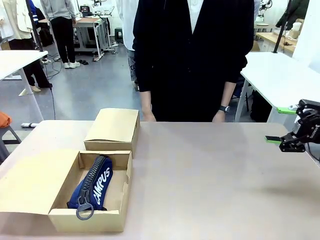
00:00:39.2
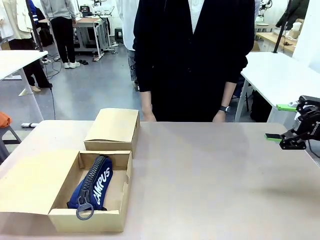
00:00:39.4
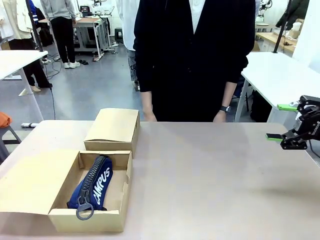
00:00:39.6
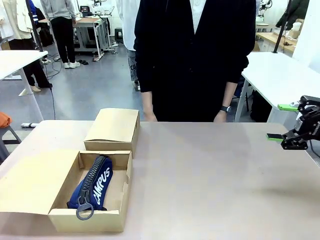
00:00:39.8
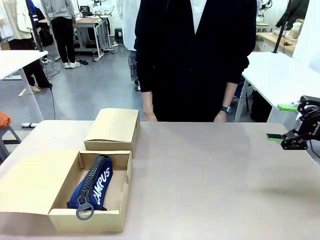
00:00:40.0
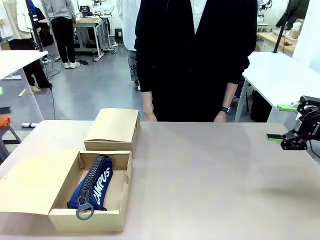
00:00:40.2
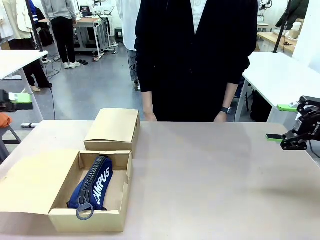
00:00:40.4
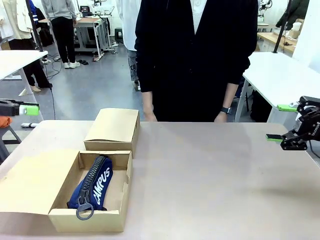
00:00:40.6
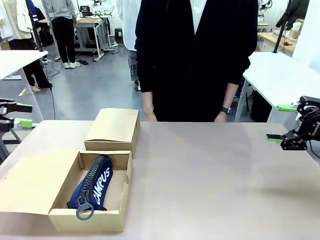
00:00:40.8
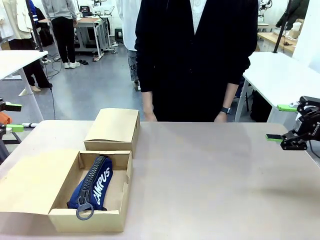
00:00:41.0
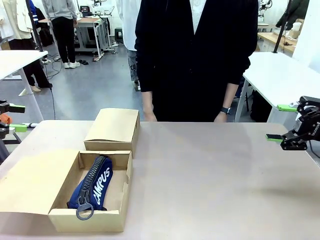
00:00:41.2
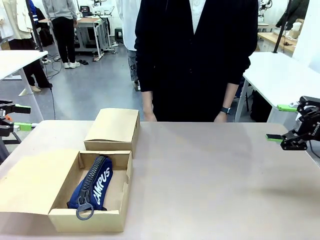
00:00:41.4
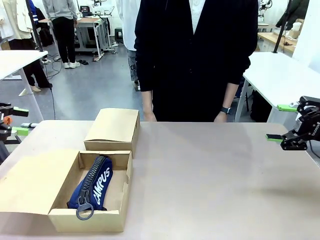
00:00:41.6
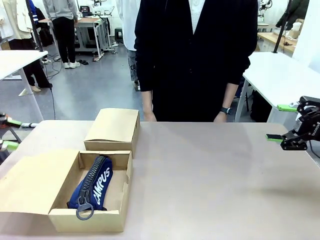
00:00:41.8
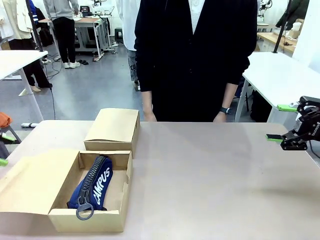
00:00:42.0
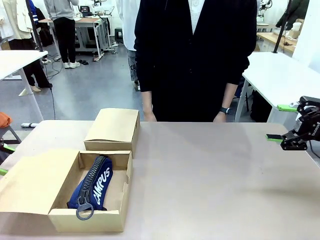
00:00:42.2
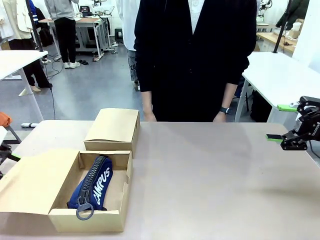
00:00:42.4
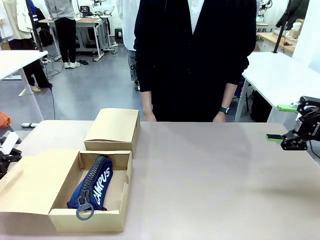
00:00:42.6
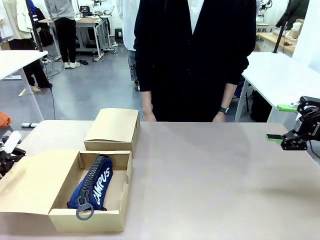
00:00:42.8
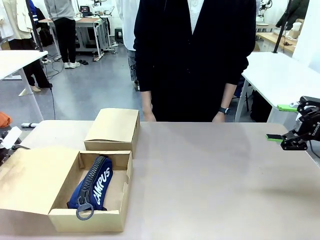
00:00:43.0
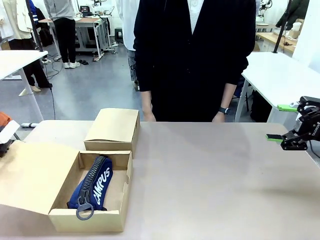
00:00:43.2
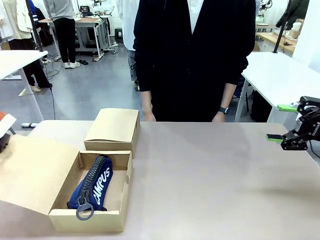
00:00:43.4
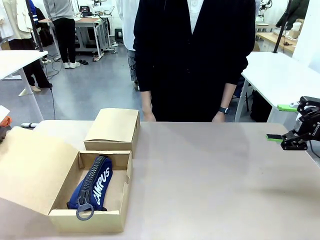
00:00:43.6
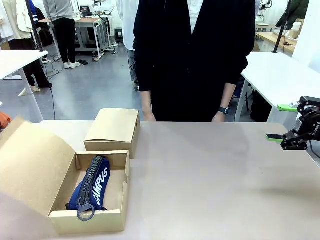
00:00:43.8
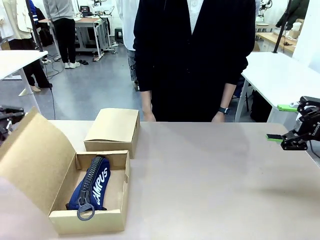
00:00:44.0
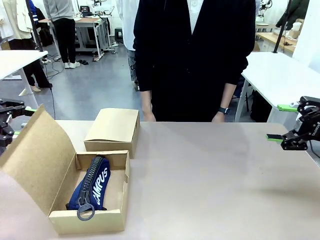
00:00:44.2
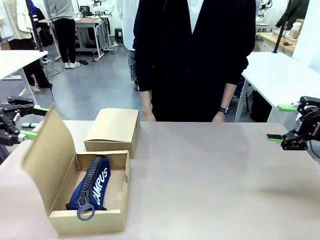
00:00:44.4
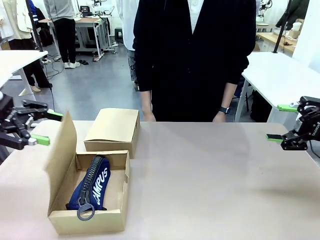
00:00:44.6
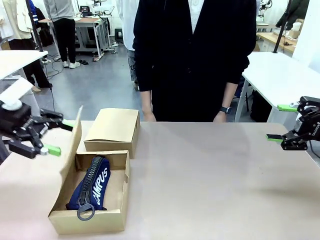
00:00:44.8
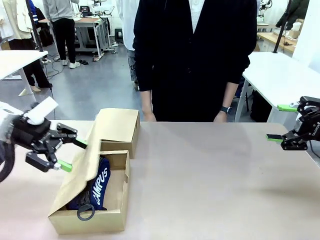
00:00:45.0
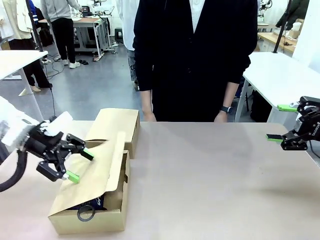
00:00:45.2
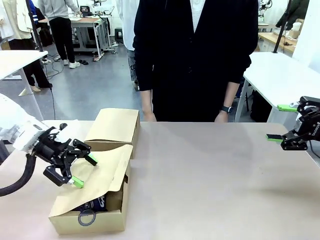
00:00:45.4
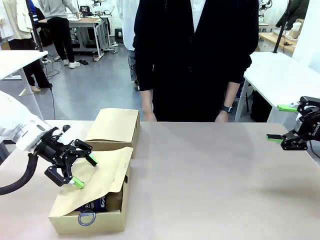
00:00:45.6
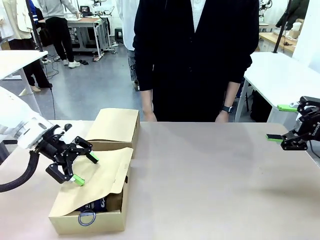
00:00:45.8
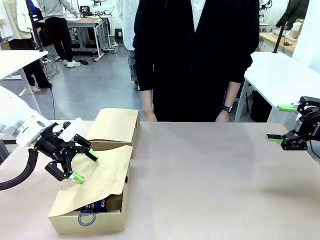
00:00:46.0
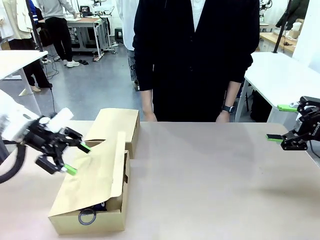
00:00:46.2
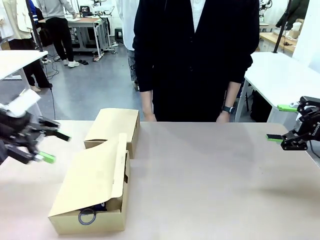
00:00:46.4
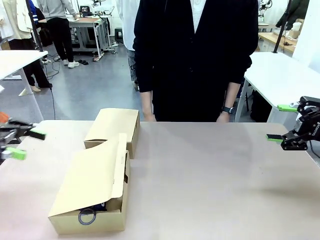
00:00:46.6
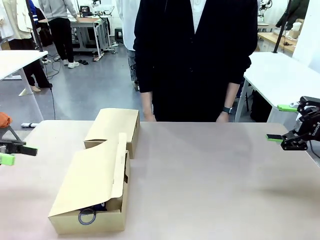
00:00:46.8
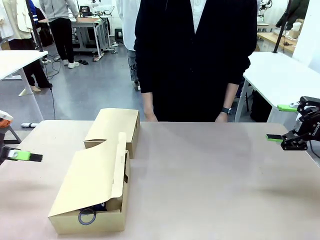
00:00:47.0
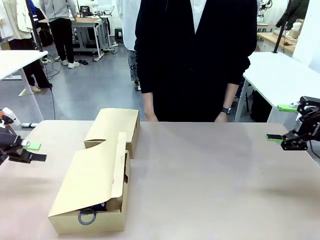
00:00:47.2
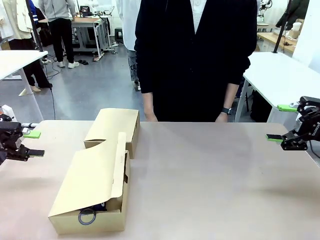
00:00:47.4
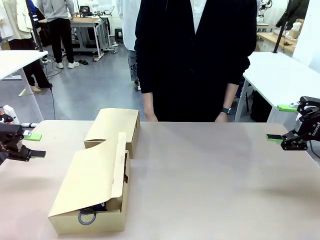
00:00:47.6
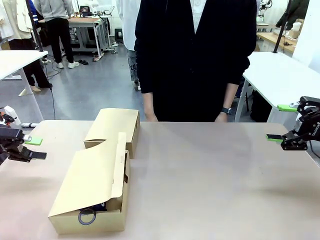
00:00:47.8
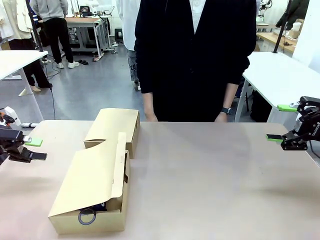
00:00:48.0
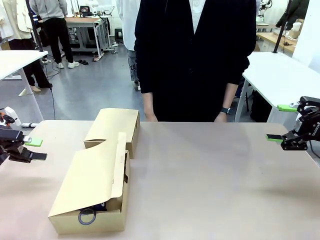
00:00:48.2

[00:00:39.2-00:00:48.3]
Task: Place items inside the box.
Robot: Close the lid of the Mailer Box closest to the robot.

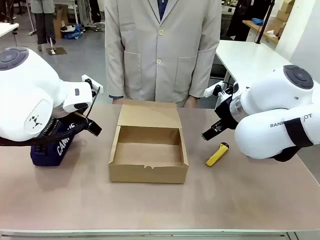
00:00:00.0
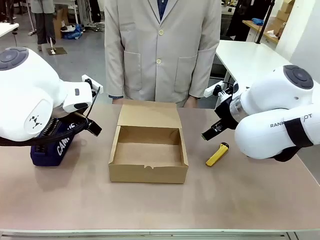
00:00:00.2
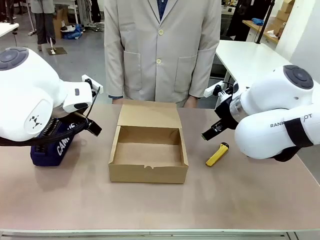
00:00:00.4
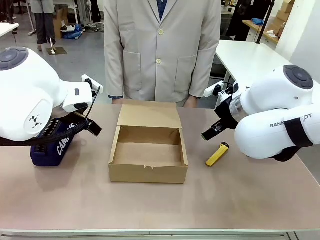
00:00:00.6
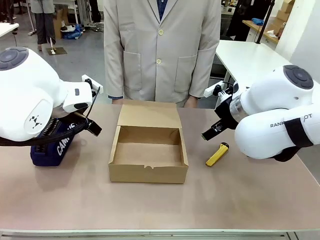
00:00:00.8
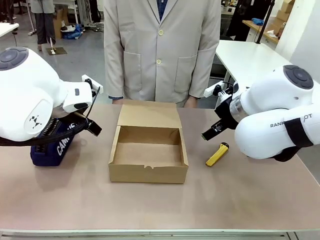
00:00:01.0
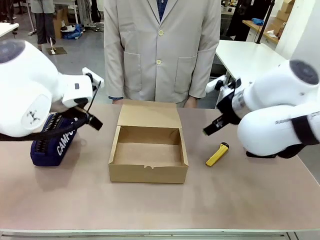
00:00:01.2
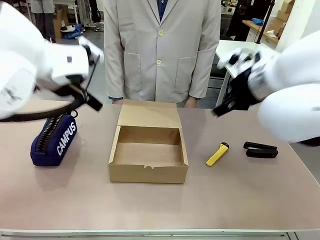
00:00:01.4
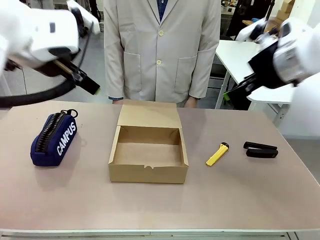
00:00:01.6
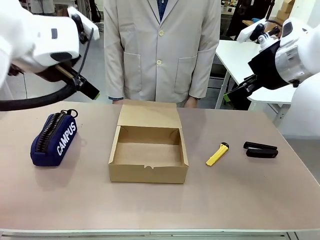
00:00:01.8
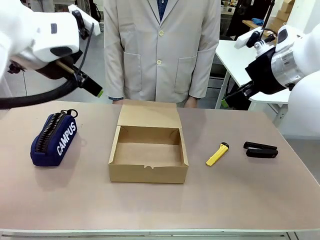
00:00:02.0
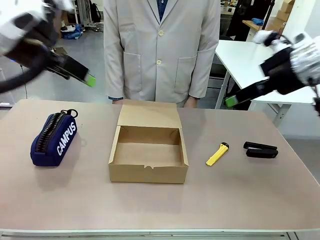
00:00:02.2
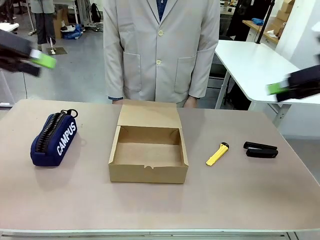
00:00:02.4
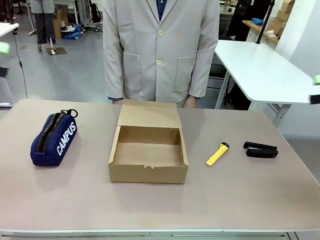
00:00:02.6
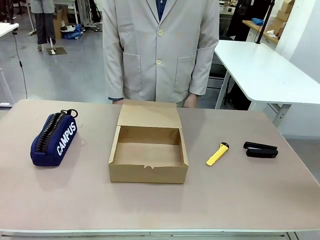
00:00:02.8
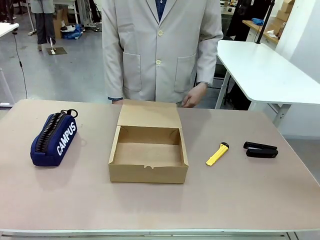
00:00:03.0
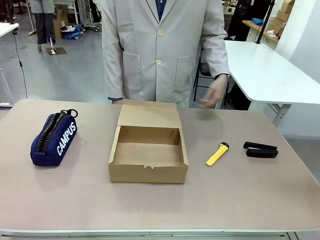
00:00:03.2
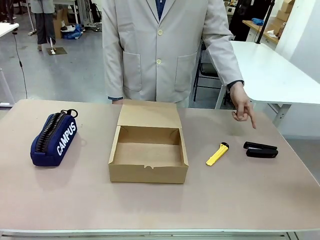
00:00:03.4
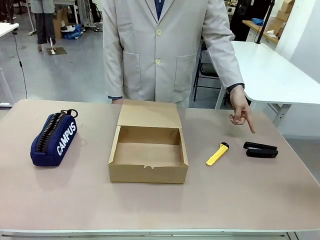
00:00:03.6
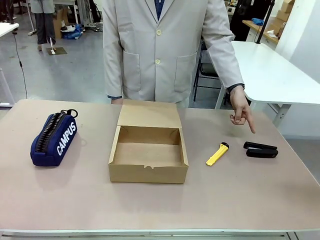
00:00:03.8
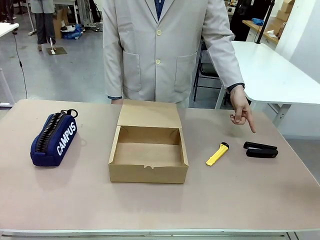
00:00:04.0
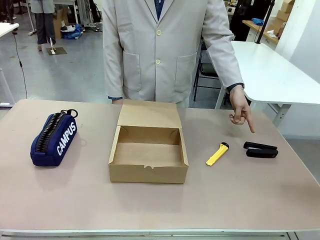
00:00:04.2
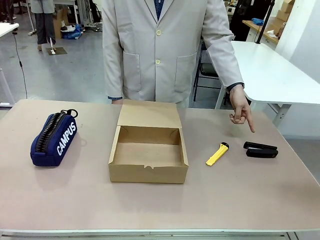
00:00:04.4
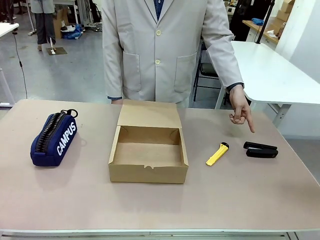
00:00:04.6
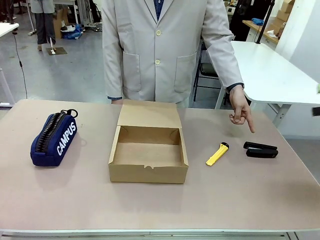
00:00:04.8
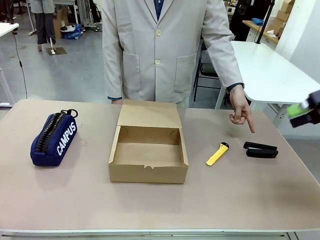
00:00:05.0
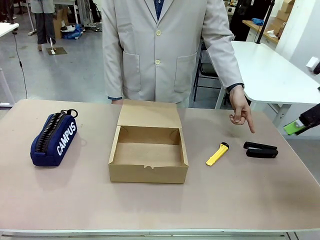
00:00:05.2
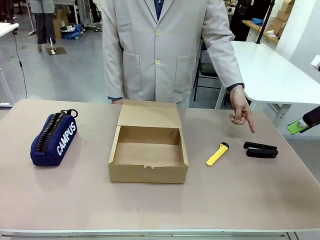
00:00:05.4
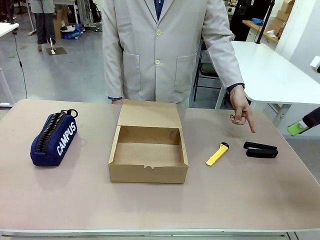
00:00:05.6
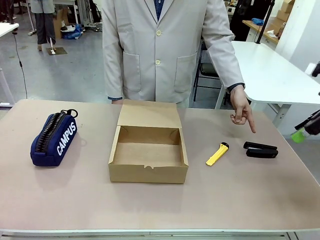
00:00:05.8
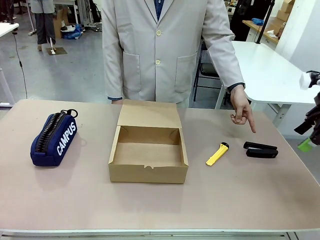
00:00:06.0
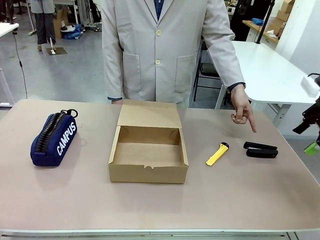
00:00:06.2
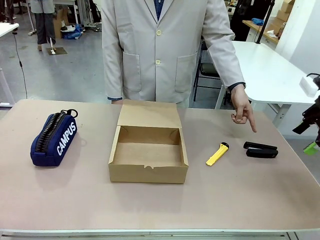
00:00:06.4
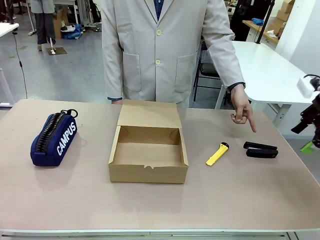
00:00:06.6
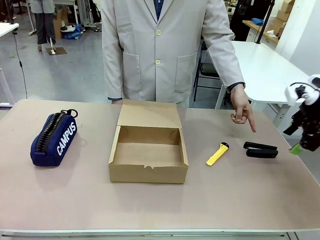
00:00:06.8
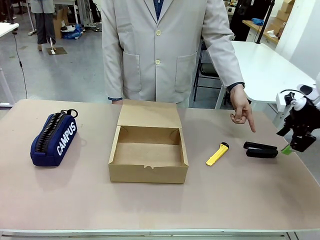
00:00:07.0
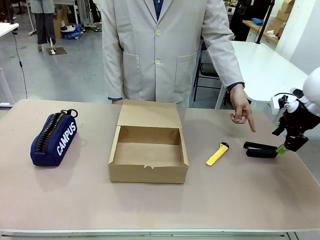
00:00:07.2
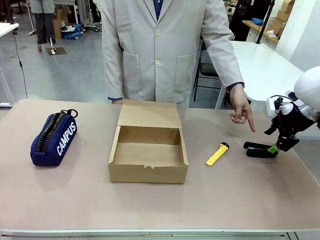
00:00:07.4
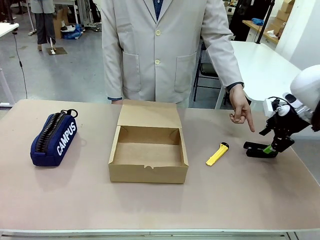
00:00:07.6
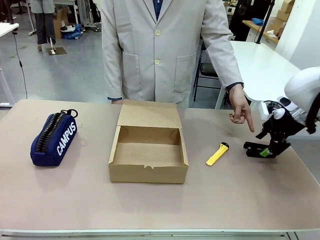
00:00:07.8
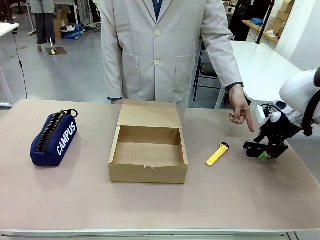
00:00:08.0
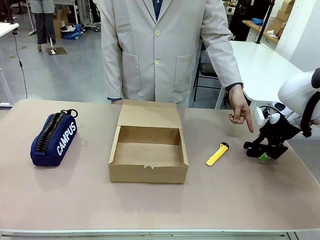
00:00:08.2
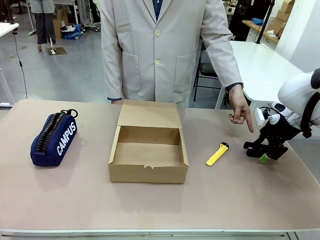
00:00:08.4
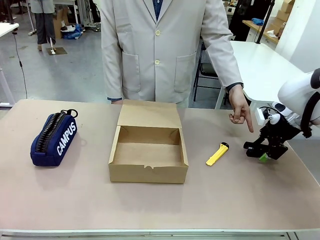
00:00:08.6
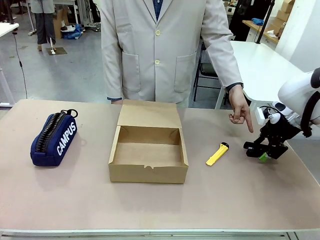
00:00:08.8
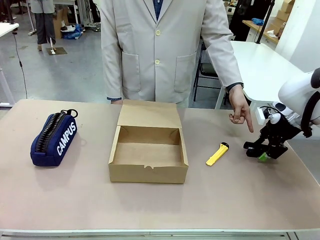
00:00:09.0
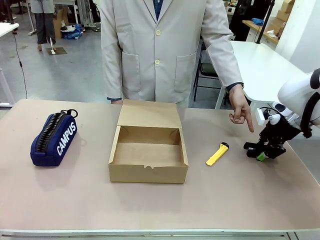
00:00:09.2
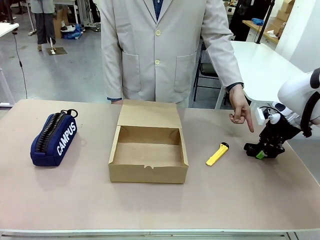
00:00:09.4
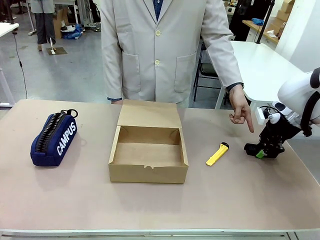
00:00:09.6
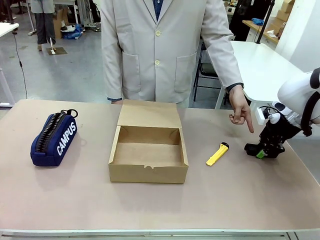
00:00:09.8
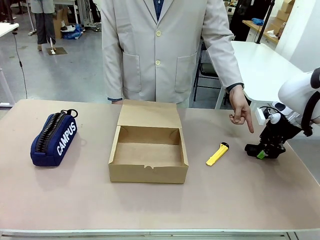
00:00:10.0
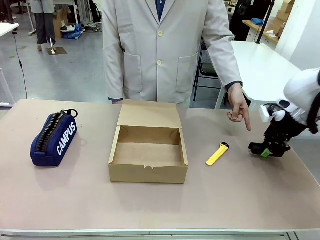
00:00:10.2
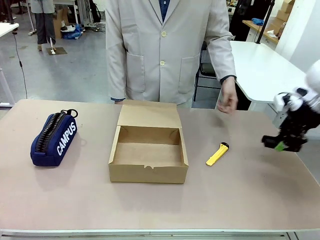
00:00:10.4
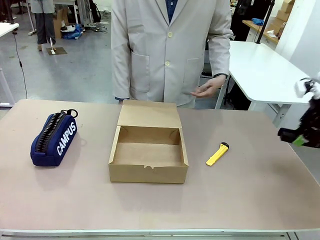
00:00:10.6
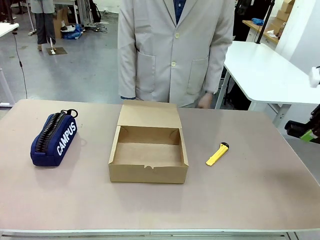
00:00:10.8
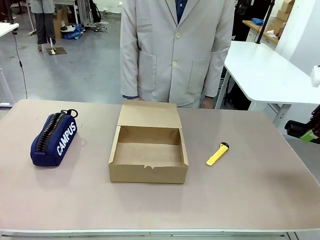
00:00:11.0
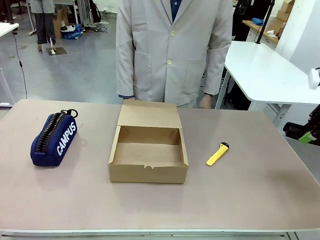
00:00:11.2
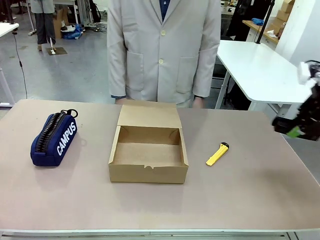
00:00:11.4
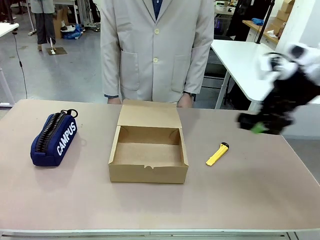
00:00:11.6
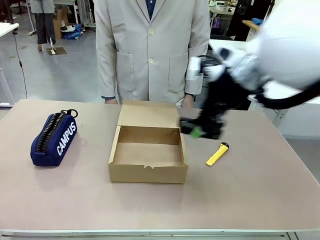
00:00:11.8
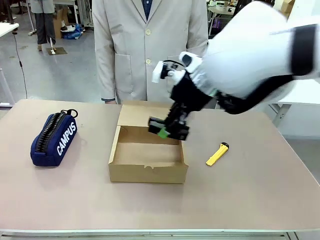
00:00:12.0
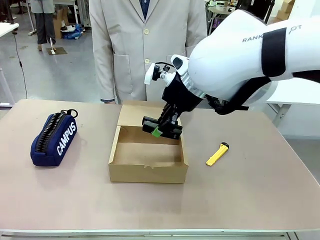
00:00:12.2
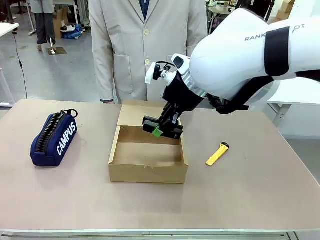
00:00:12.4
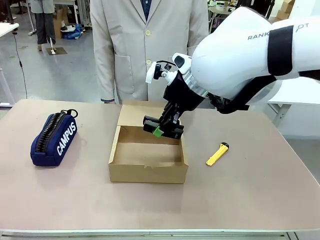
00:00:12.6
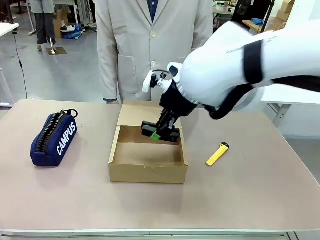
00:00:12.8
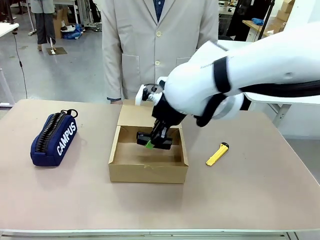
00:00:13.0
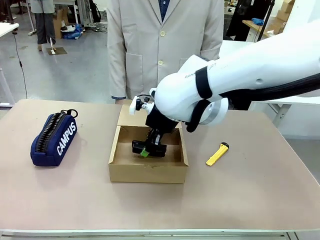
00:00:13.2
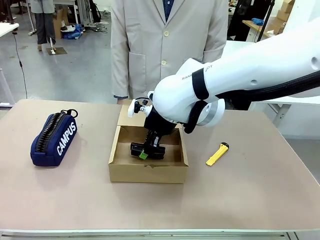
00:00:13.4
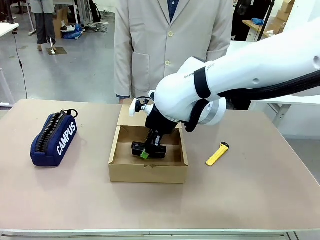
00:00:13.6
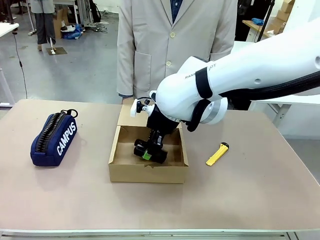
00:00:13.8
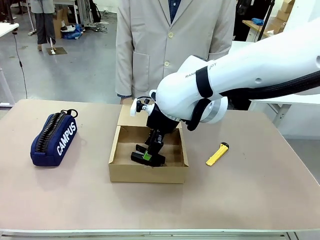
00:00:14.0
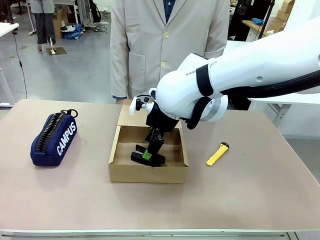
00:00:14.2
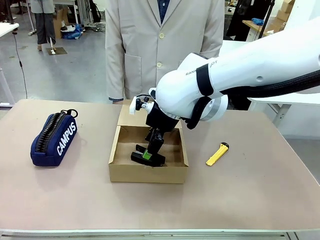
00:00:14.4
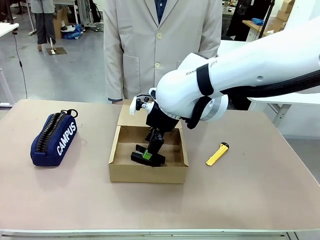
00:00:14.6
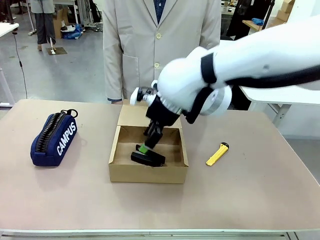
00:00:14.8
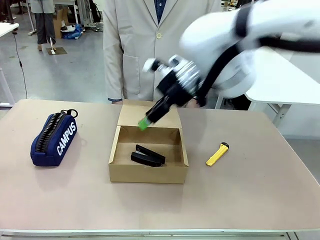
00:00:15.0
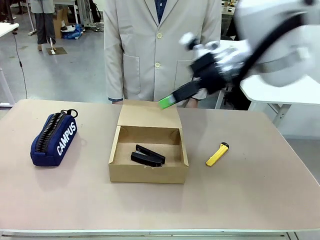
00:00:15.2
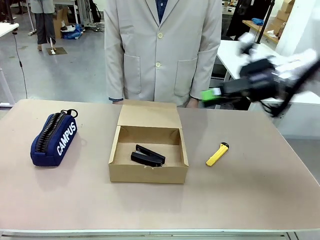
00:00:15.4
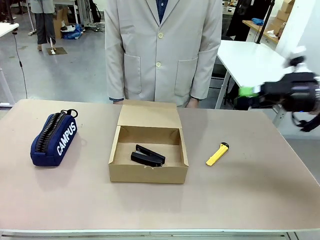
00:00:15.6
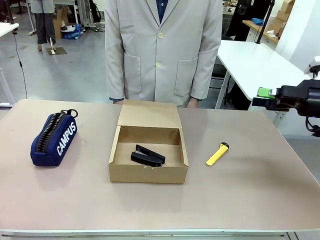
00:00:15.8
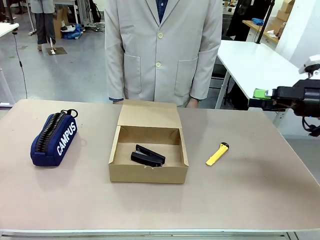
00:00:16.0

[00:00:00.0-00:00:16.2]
Task: Pack the item into the box.
Robot: Pick up the item indicated by the person and place it inside the Mailer Box.
Person: Point at one item on the table (excluding the box).
